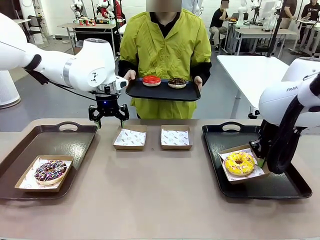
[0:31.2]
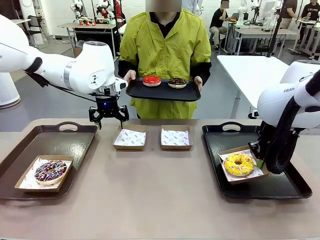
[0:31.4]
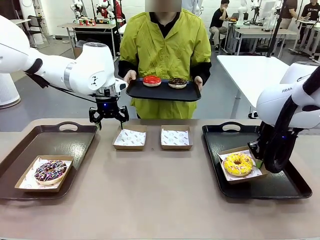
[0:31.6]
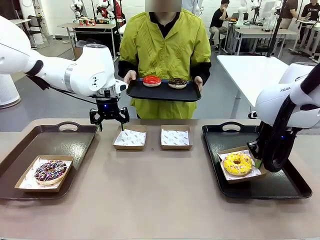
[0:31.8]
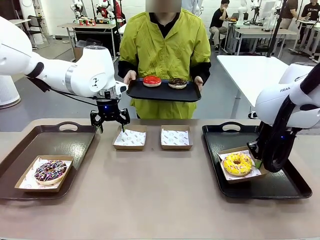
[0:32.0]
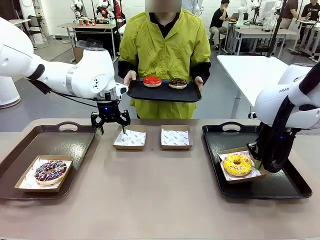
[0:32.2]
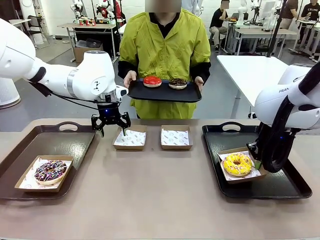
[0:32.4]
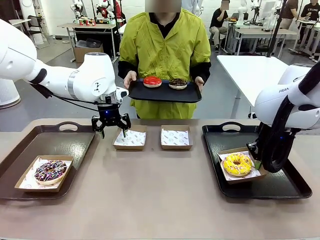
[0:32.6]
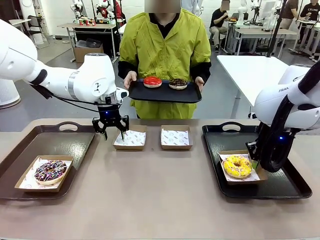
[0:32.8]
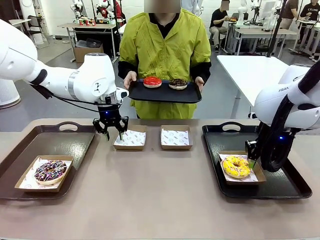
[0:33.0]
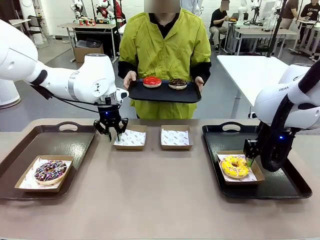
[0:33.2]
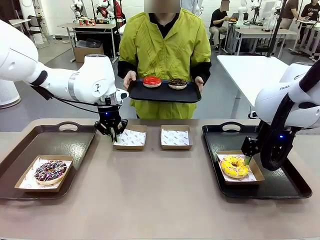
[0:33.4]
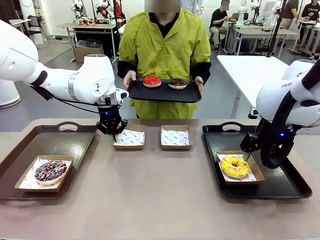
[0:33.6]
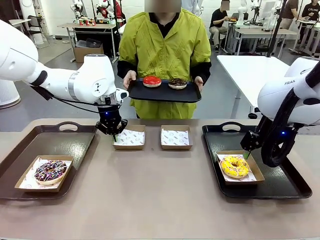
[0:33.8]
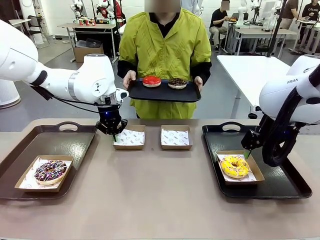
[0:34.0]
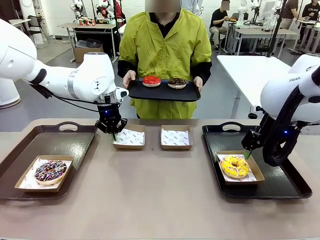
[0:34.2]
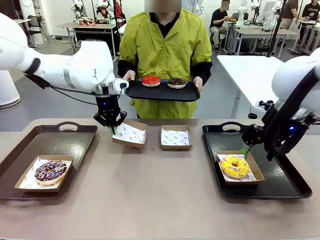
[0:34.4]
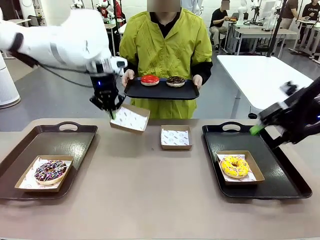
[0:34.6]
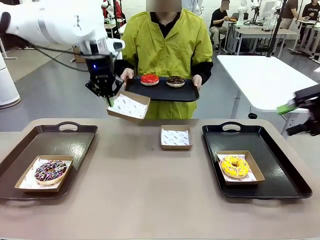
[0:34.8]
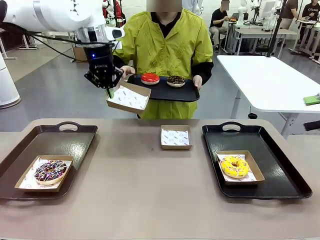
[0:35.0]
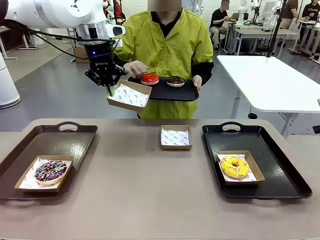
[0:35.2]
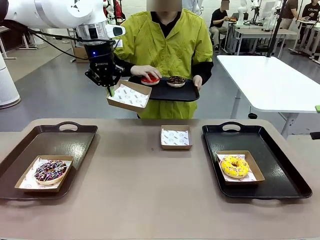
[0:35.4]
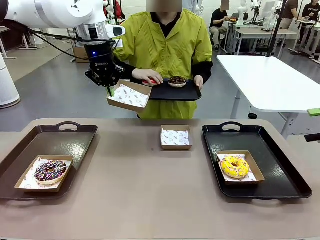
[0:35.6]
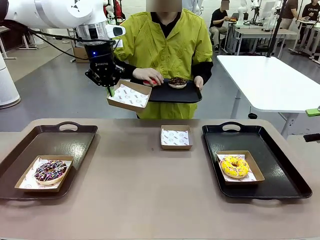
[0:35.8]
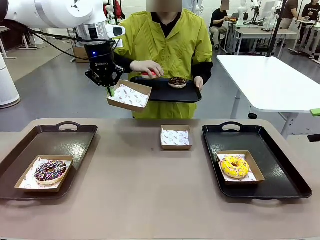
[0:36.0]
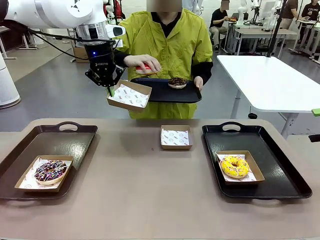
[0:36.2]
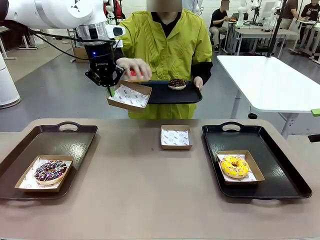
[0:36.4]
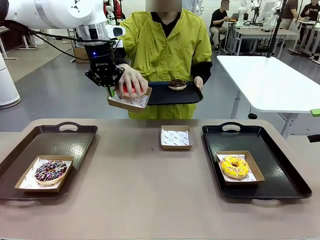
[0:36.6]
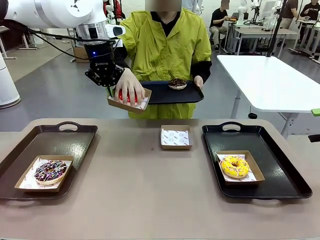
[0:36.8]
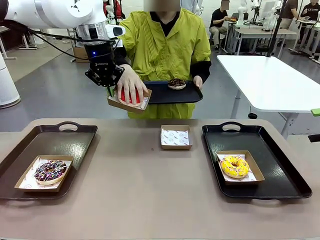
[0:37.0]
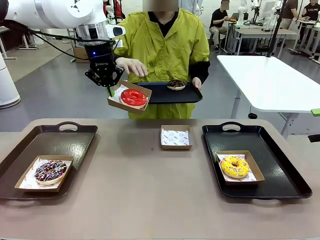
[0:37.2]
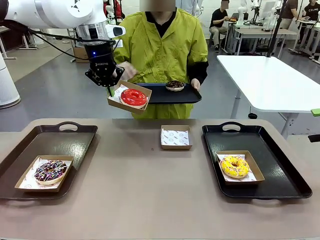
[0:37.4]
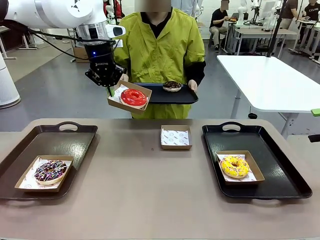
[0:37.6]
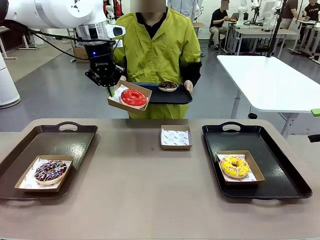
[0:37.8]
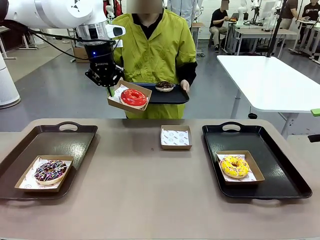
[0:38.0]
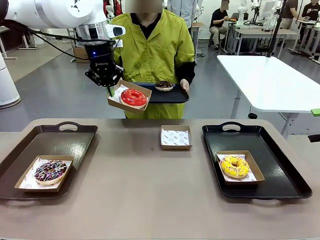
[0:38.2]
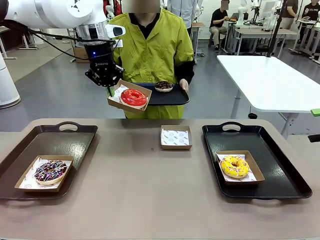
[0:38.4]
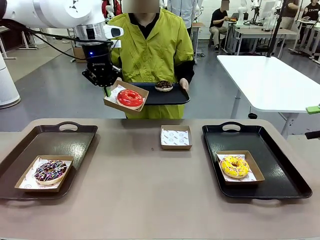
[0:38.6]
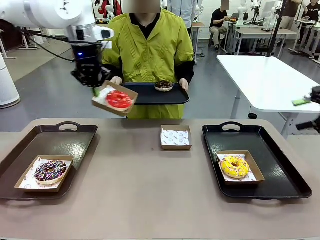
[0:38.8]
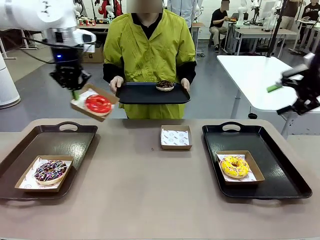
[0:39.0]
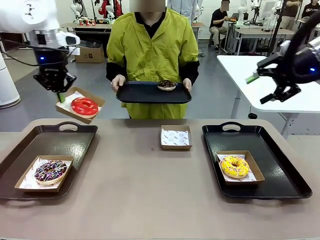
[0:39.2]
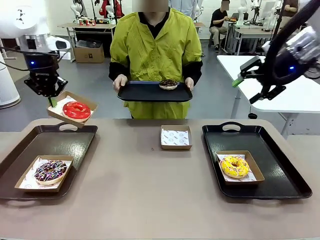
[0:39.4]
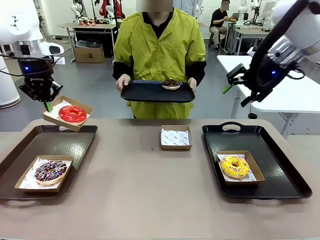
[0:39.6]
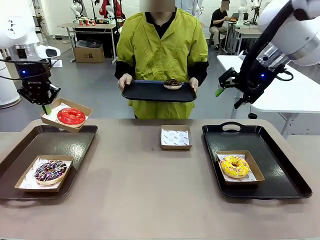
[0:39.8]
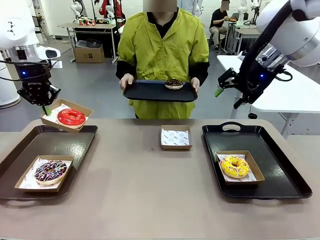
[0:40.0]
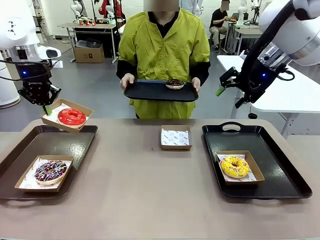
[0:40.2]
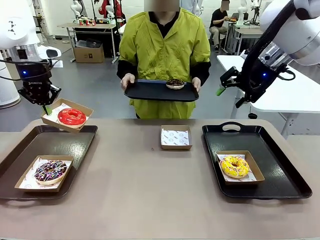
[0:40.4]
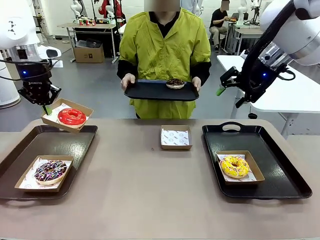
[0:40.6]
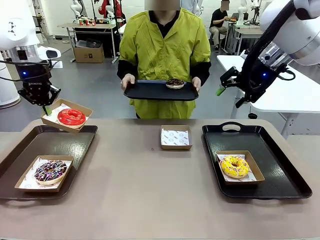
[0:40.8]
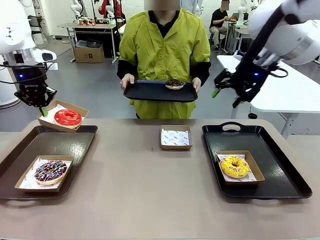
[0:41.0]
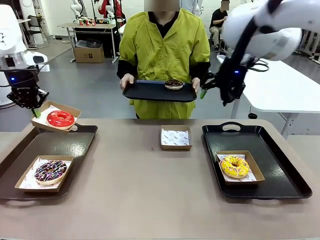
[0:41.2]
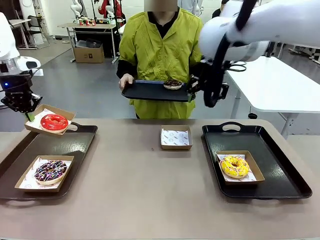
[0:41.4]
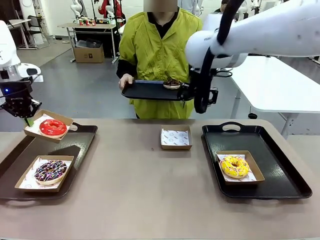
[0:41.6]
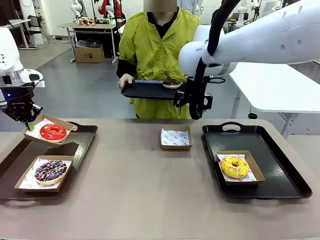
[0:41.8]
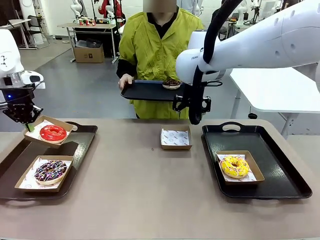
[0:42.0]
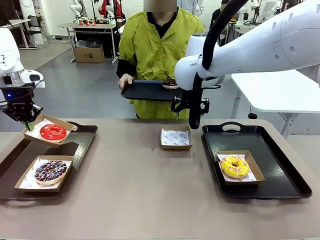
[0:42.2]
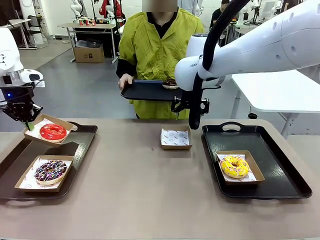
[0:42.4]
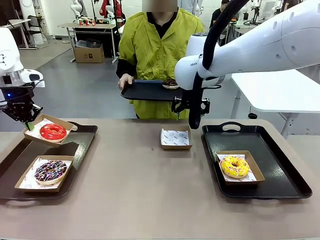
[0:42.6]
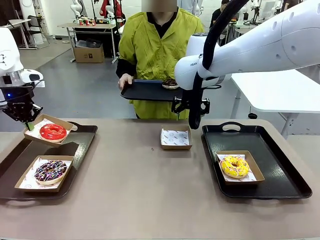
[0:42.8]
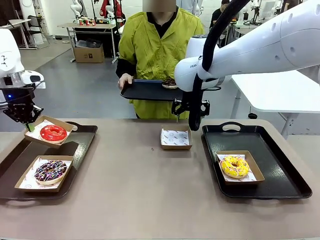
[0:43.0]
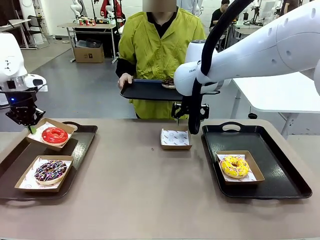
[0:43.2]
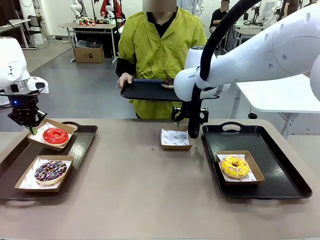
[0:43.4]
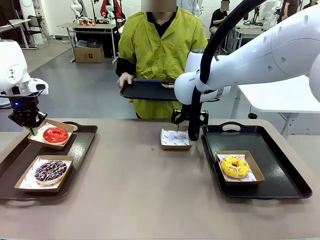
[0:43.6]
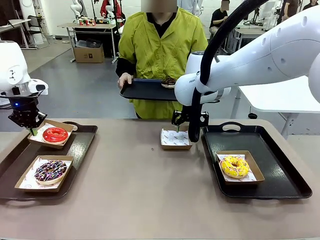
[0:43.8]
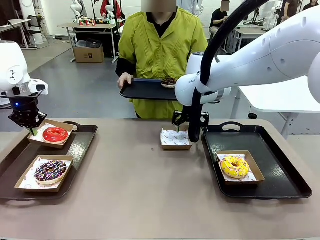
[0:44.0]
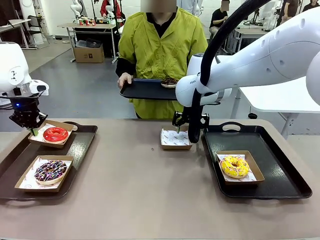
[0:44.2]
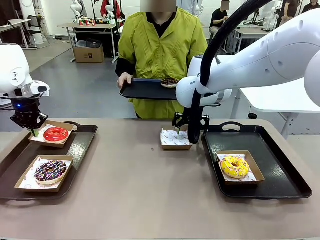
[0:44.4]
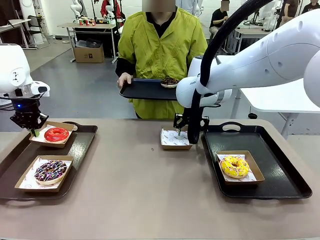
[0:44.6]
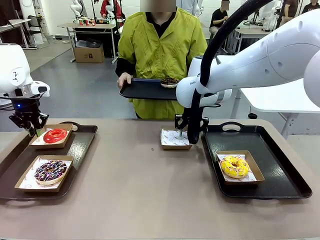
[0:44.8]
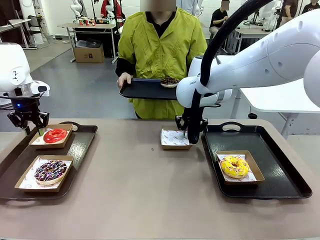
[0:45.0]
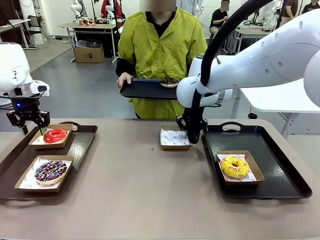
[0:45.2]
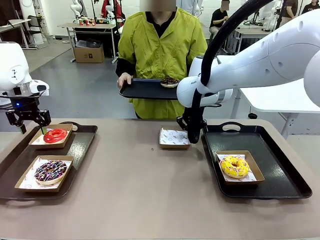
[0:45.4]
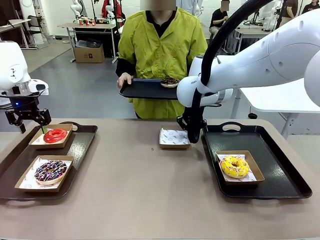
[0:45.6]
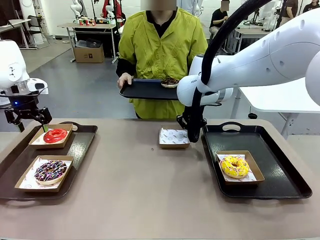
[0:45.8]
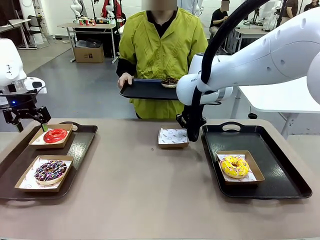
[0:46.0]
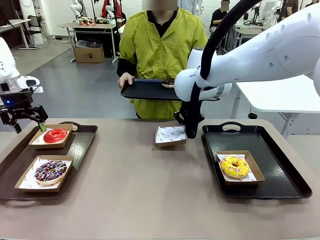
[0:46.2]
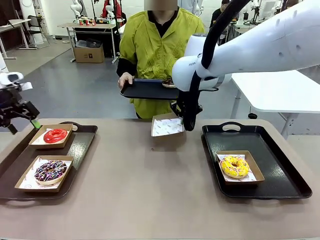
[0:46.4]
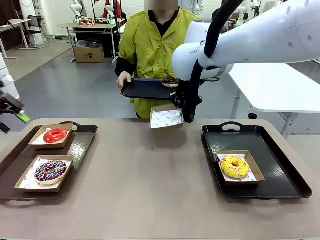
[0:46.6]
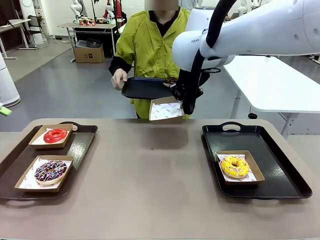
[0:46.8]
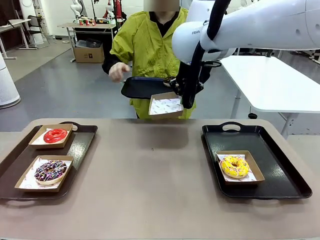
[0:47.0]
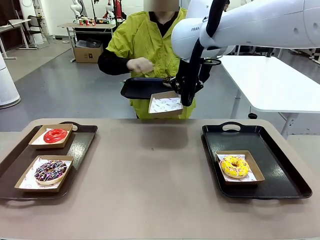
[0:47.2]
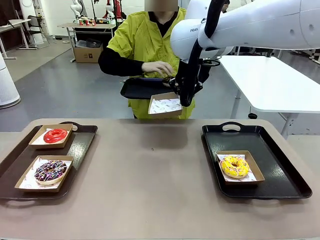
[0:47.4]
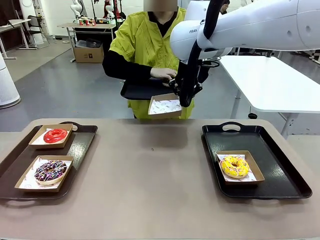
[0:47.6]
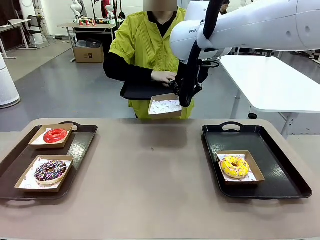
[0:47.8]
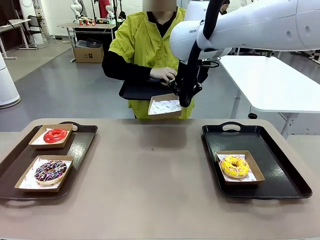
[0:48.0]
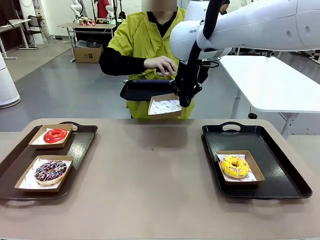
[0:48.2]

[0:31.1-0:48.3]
Task: Individually package the donuts and arrange them on the tray.
Robot: Place the picked Paper togo box on the Handle tray while simultaneously picking up another Paper togo box from the table with the other hand.

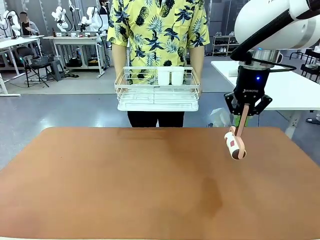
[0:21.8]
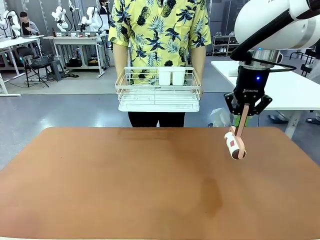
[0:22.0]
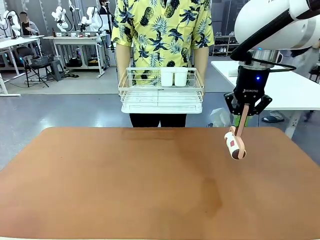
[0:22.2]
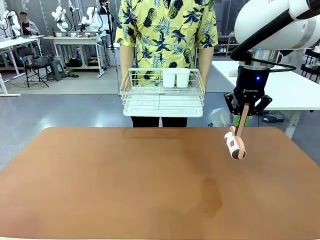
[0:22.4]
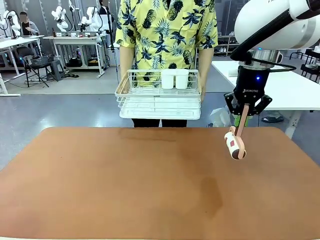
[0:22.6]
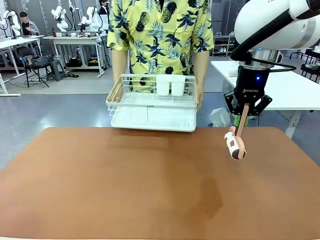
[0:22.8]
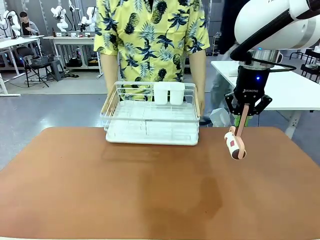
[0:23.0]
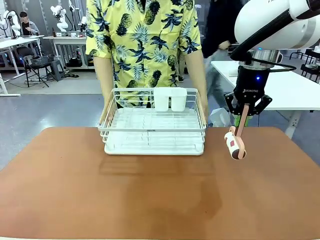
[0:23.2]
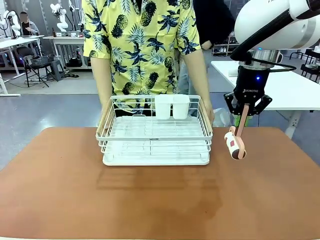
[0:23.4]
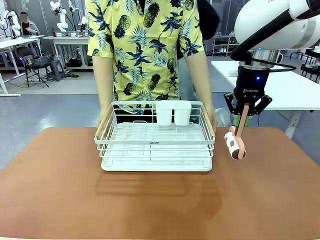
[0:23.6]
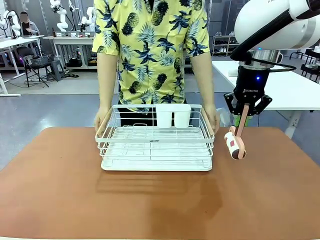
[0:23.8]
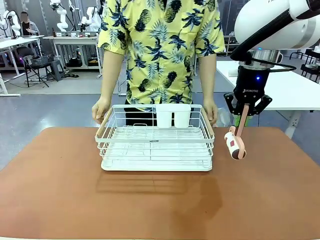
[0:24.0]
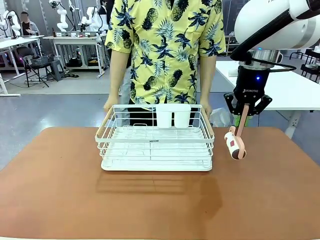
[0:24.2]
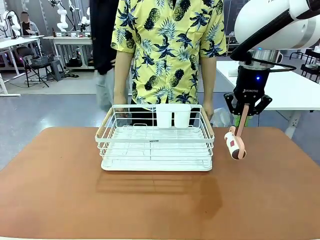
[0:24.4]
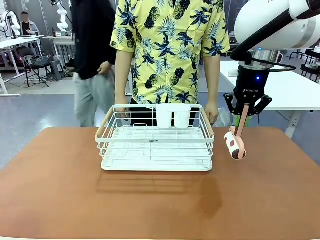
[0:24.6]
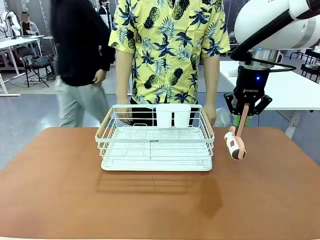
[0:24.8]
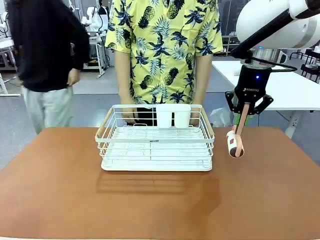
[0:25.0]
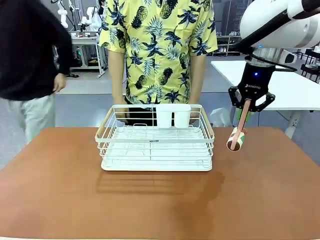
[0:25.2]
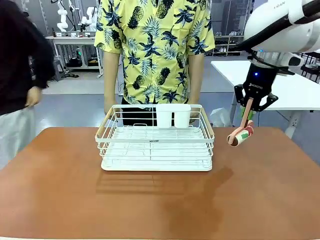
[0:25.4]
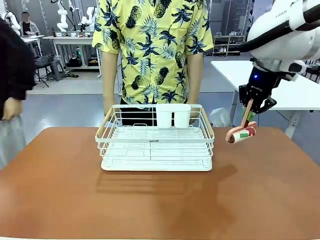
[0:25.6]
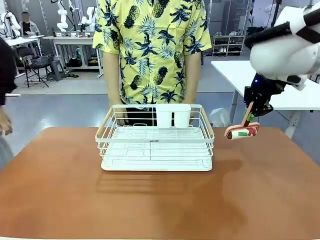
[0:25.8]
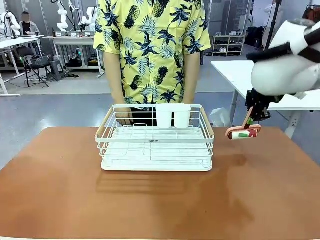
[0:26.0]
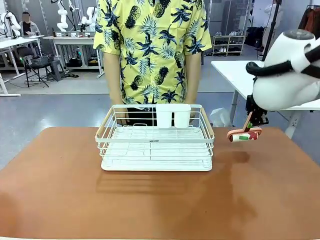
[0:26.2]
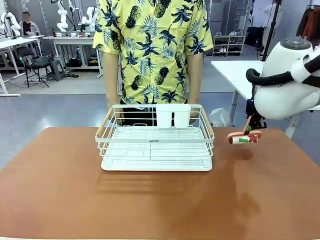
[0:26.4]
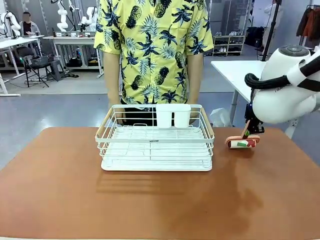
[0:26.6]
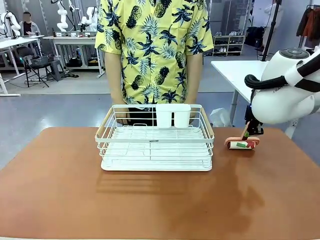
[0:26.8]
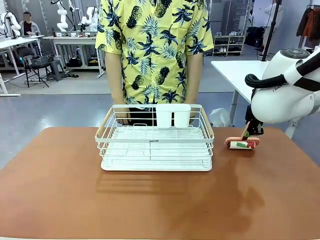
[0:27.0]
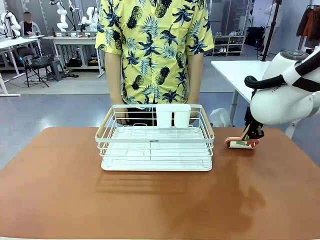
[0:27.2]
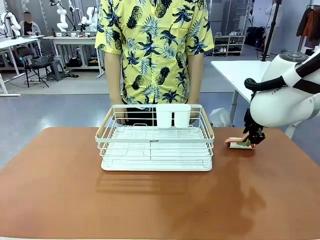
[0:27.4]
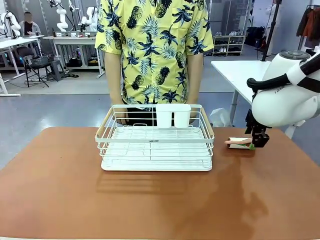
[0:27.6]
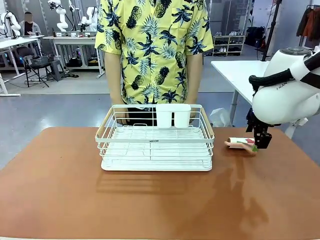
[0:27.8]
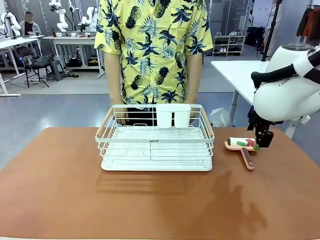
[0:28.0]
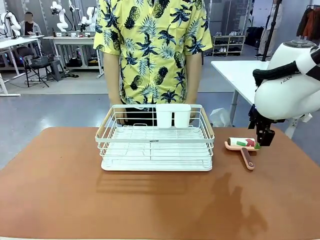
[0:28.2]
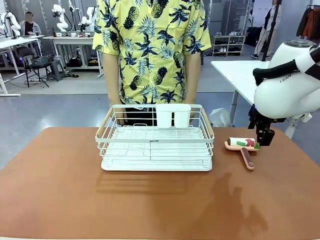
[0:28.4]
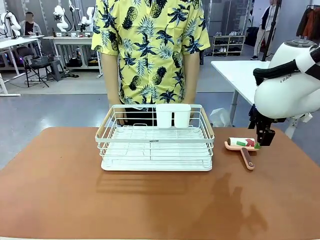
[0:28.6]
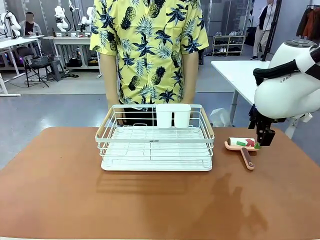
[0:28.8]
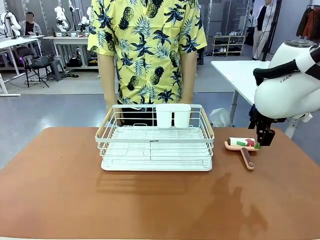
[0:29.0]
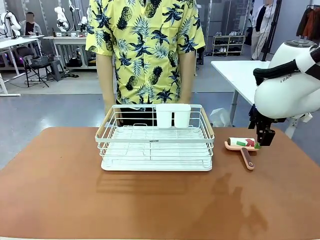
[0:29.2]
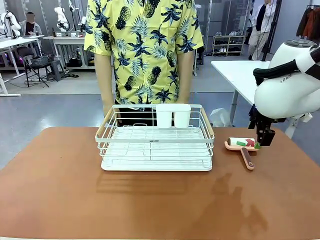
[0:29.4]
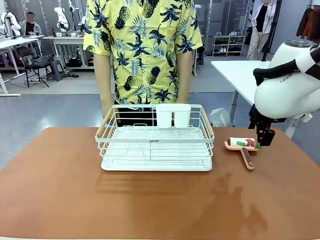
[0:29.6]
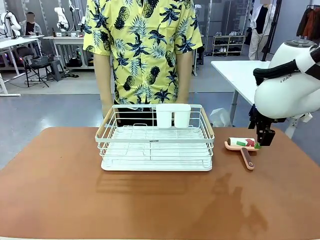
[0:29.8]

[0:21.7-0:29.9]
Task: Clean the table.
Robot: Place the Lint Roller down when the Dish drying rack is positioned in the middle of the table.
Person: Place the Dish drying rack down when the robot finishes cleaning.
